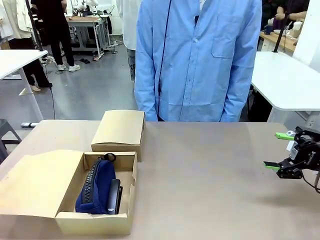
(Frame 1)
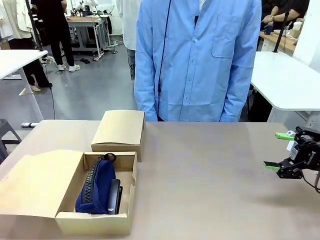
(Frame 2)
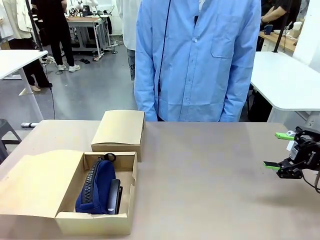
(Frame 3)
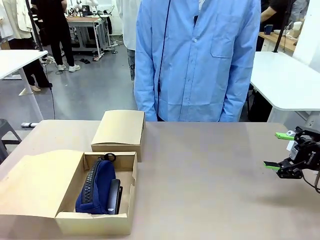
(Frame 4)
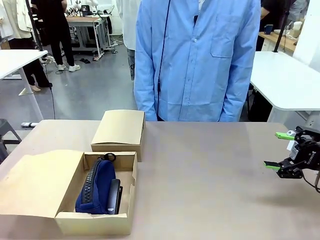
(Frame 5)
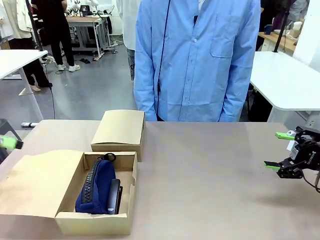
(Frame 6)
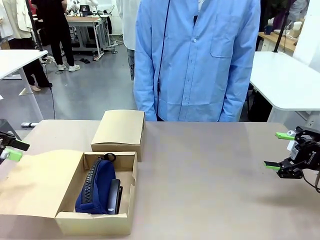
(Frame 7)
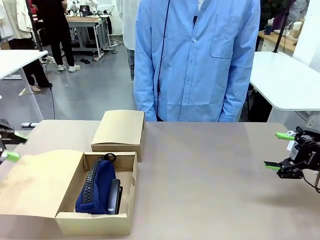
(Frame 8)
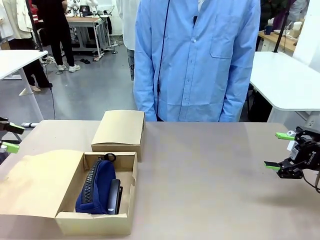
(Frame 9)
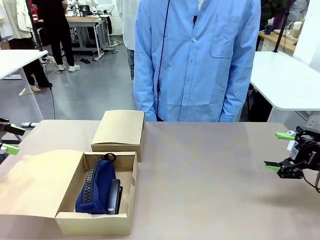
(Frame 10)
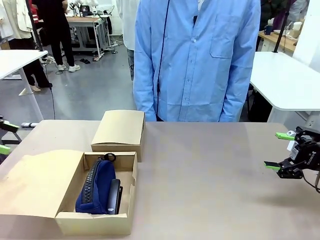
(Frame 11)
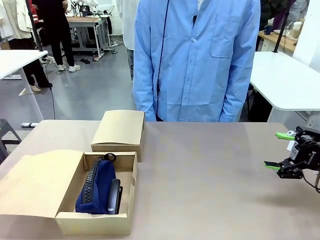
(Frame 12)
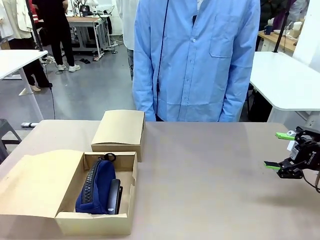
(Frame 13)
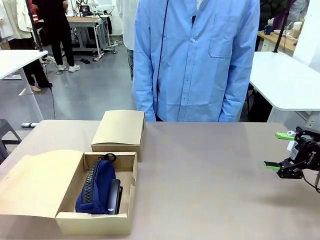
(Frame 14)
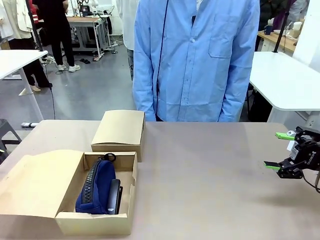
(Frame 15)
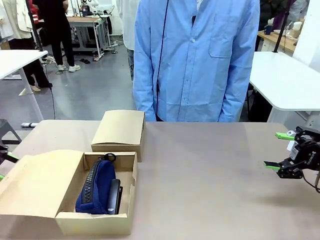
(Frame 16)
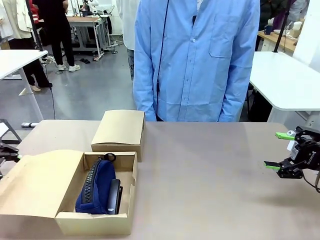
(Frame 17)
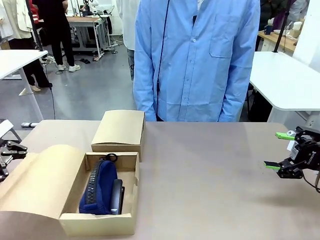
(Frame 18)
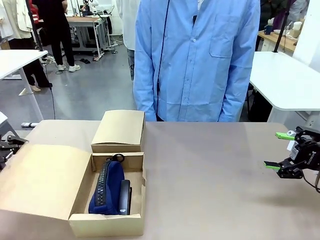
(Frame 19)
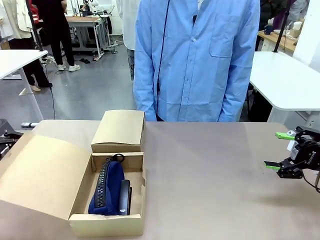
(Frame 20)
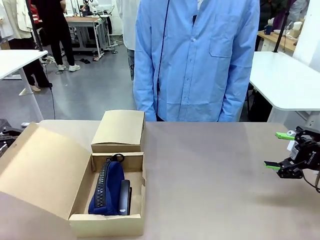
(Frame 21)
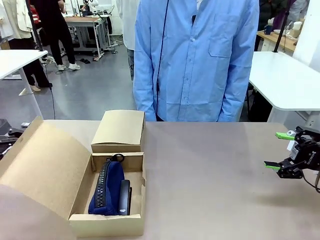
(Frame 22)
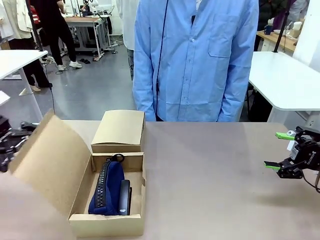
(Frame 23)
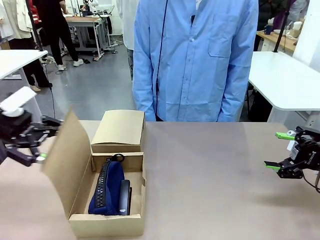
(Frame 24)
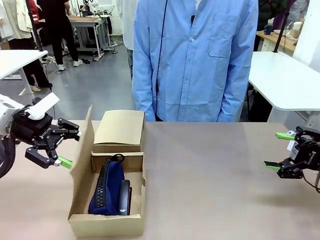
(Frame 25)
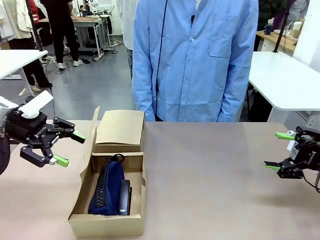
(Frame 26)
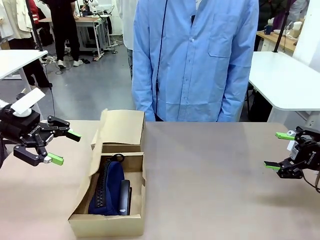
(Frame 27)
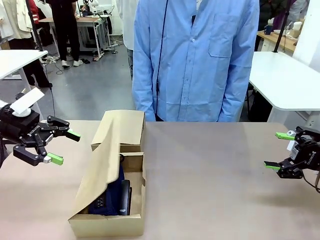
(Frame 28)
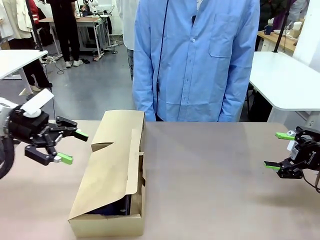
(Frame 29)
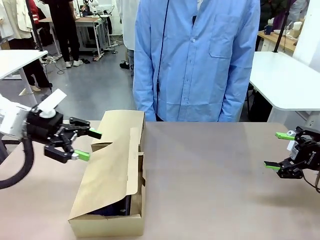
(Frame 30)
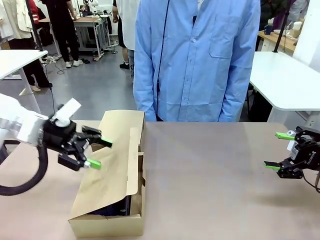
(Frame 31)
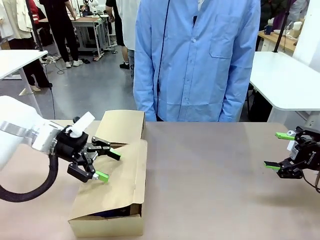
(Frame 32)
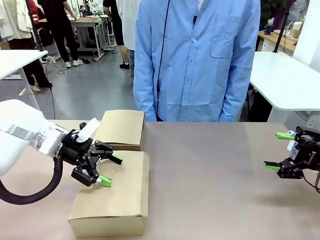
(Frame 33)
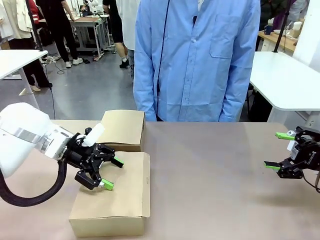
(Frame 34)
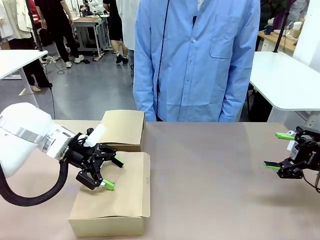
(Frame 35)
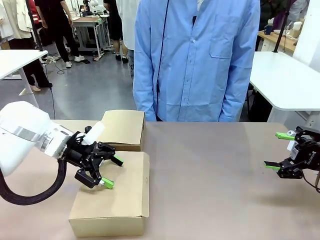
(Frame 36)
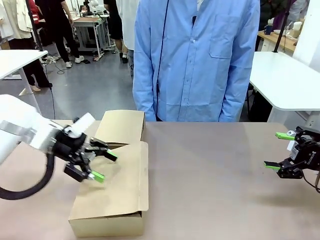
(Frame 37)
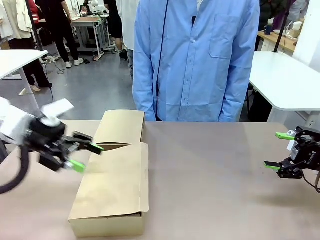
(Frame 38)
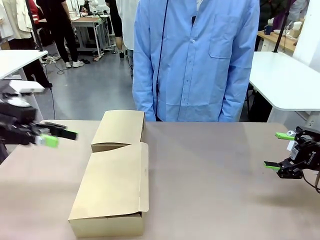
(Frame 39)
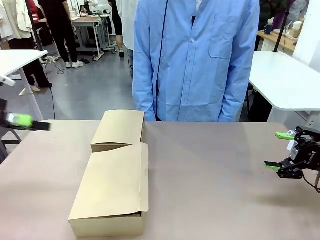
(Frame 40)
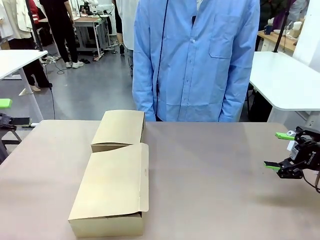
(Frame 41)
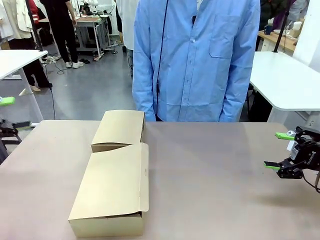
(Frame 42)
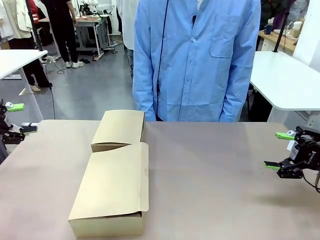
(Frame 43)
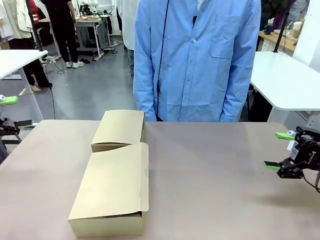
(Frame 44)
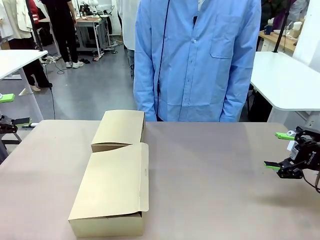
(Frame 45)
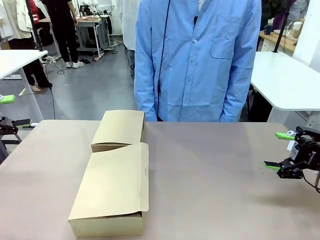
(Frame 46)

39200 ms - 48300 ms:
Task: Place items inside the box.
Robot: Close the lid of the Mailer Box closest to the robot.
